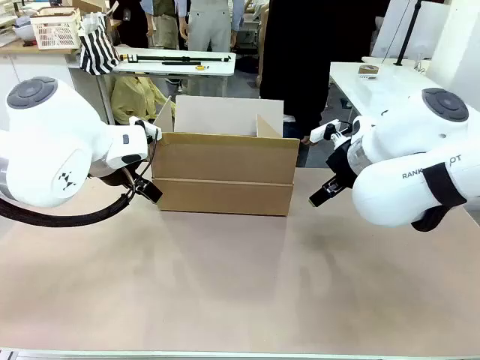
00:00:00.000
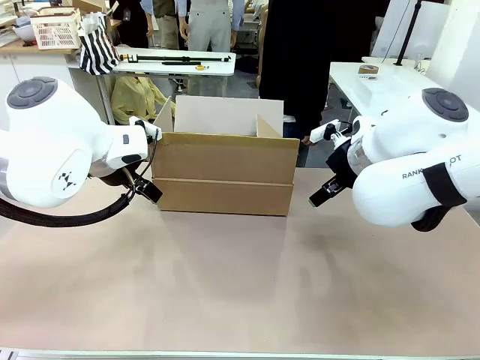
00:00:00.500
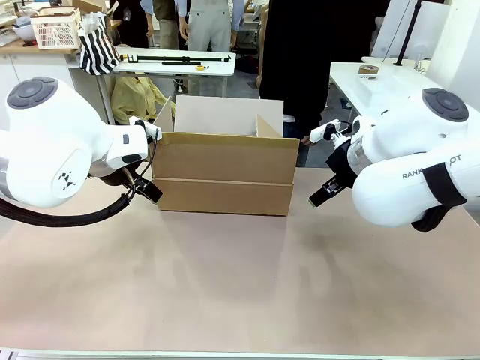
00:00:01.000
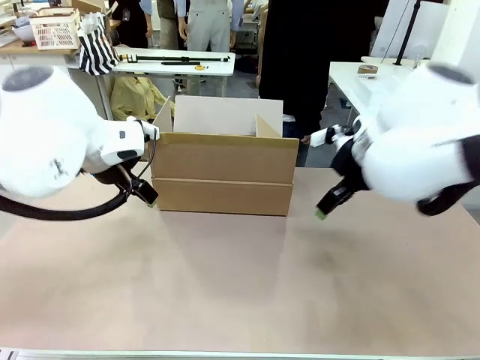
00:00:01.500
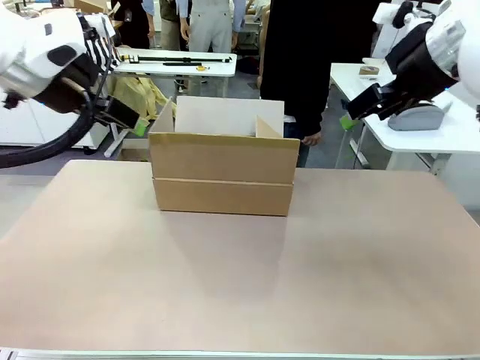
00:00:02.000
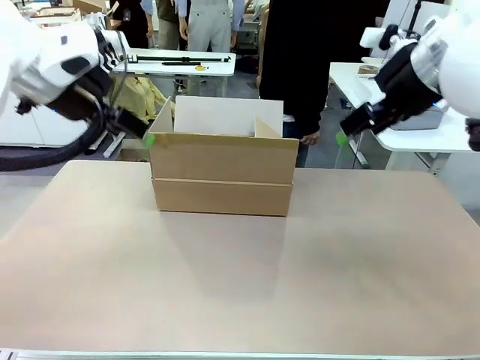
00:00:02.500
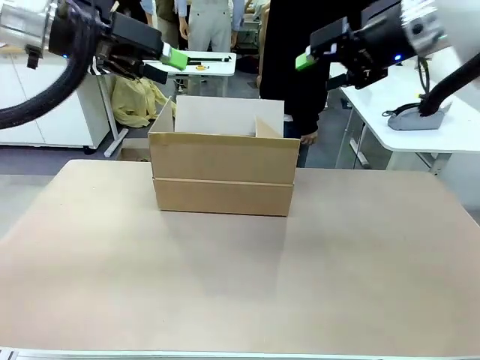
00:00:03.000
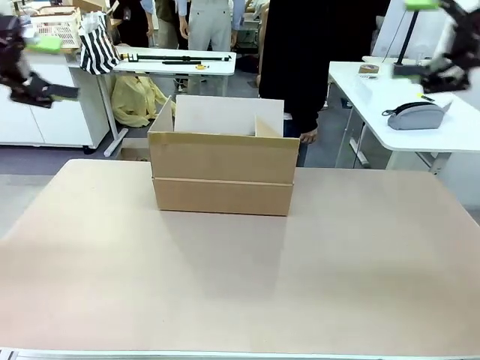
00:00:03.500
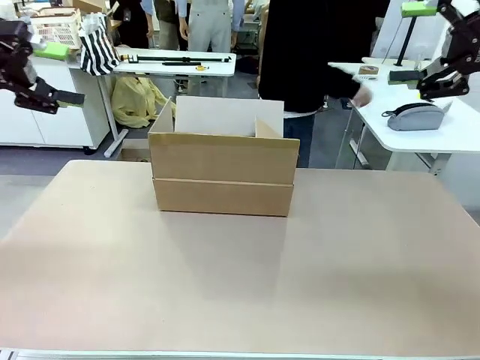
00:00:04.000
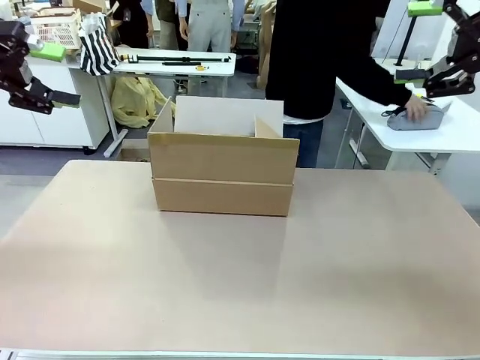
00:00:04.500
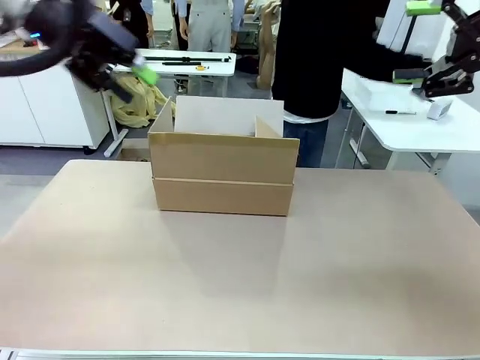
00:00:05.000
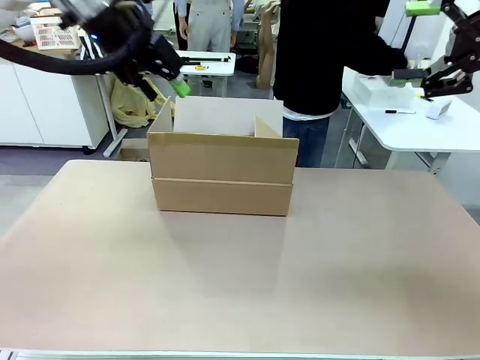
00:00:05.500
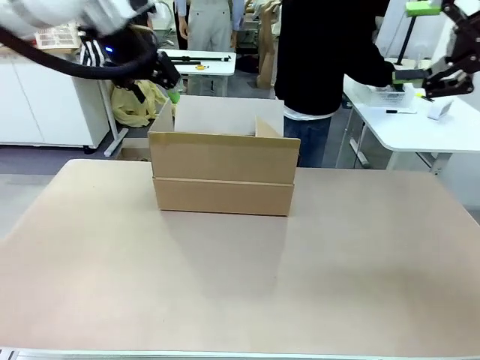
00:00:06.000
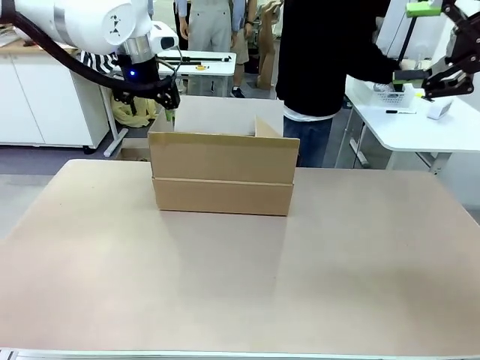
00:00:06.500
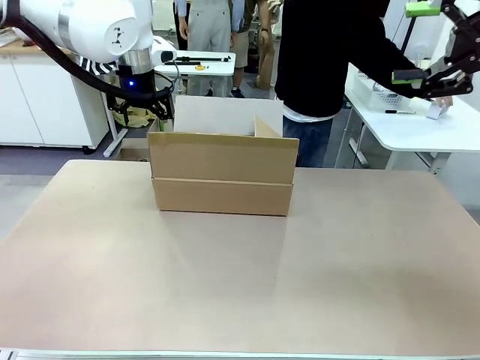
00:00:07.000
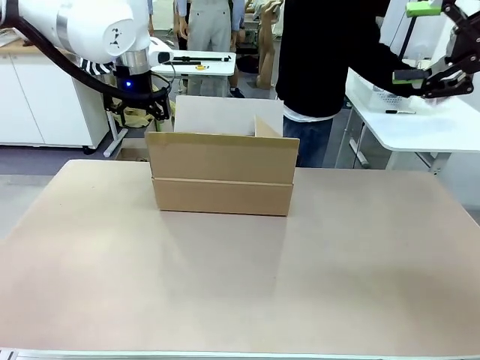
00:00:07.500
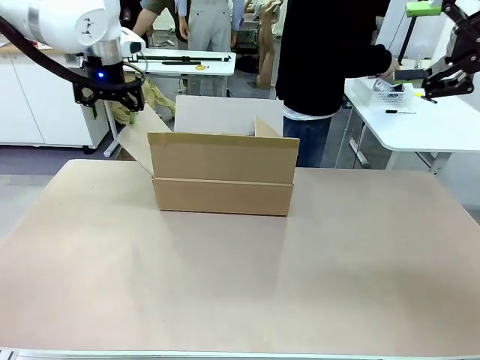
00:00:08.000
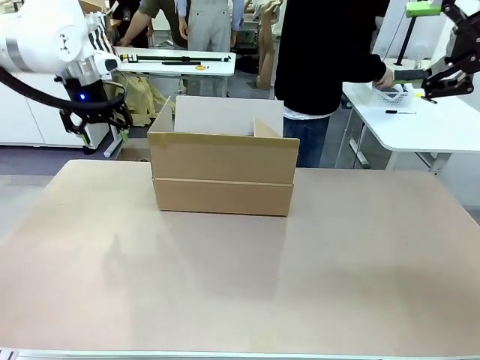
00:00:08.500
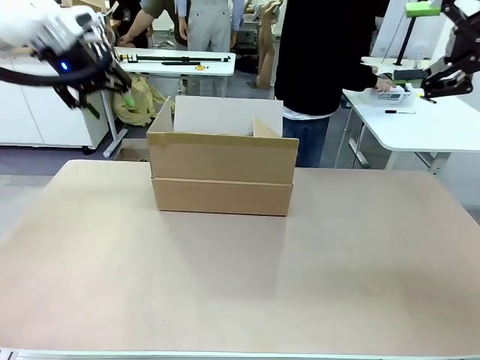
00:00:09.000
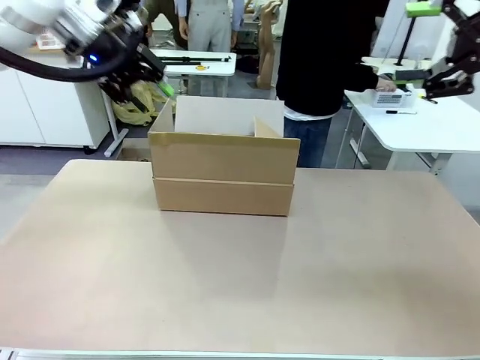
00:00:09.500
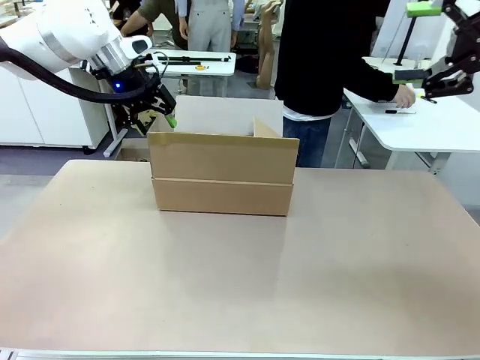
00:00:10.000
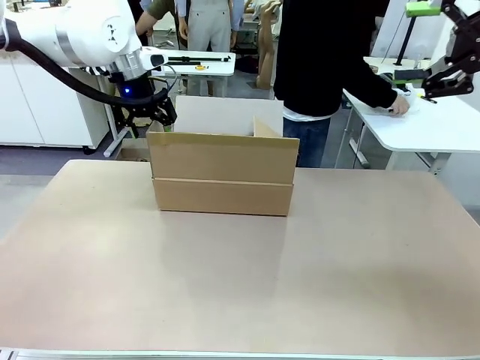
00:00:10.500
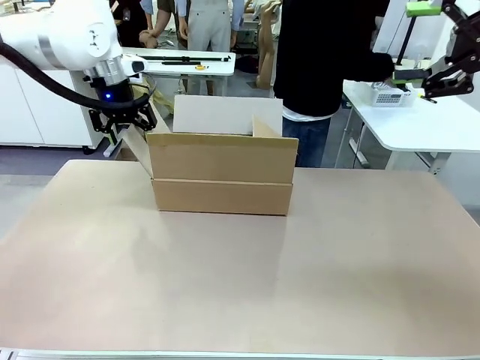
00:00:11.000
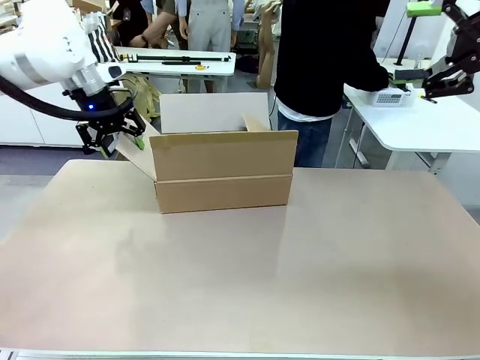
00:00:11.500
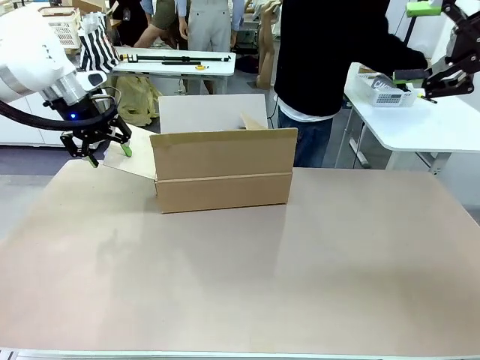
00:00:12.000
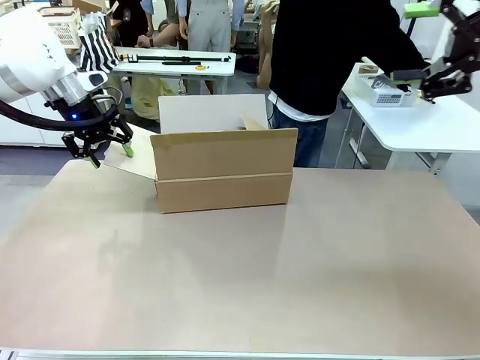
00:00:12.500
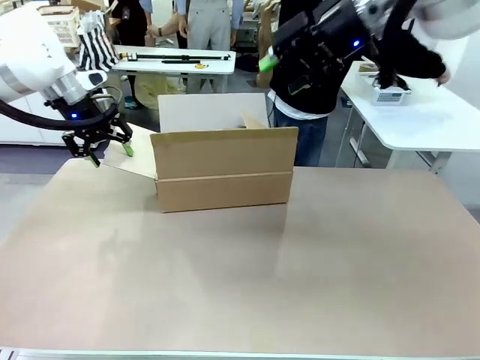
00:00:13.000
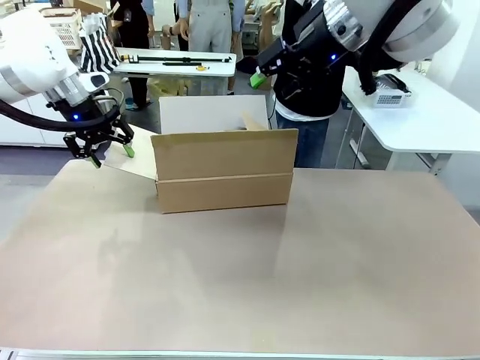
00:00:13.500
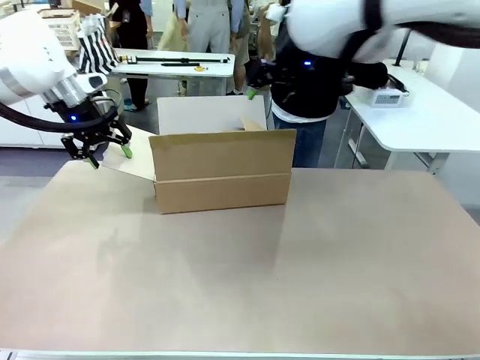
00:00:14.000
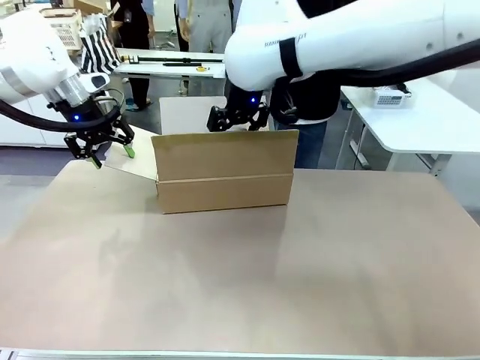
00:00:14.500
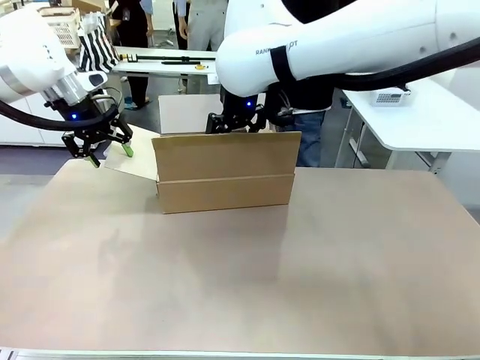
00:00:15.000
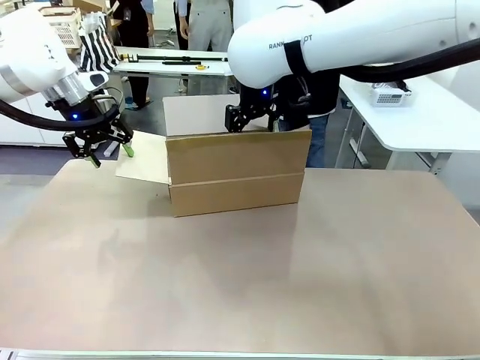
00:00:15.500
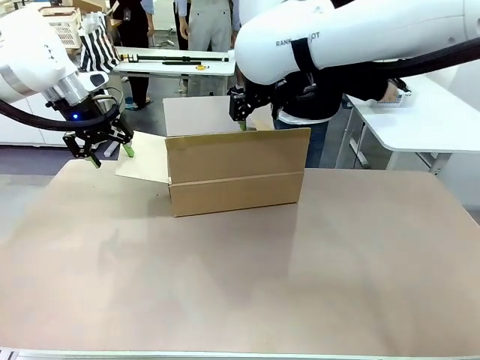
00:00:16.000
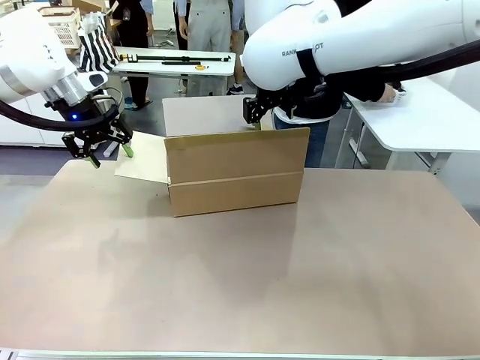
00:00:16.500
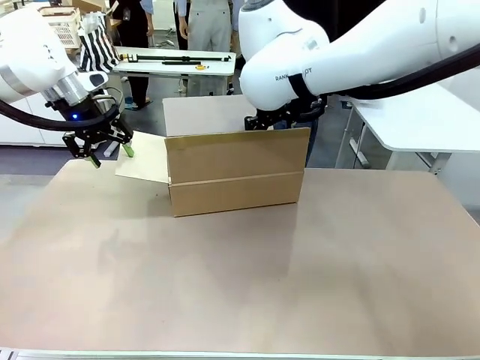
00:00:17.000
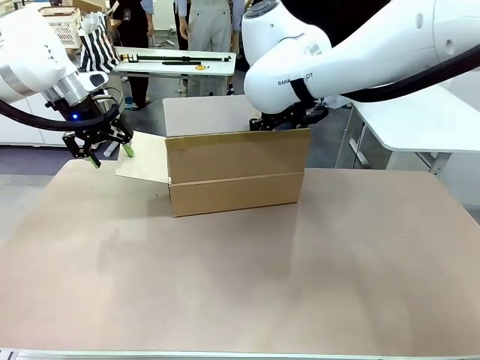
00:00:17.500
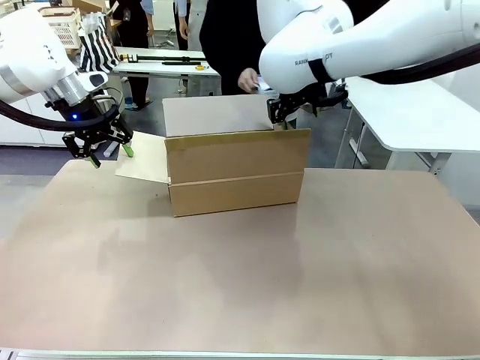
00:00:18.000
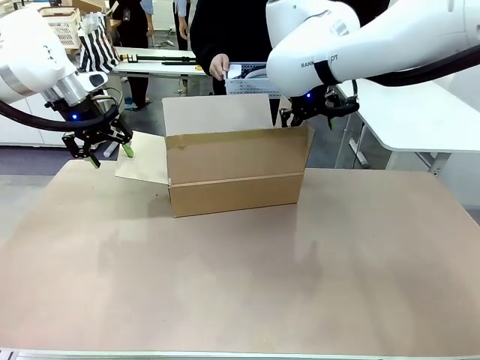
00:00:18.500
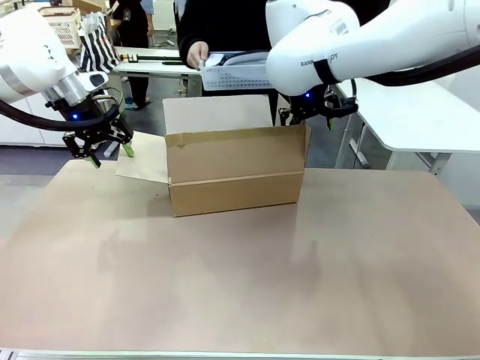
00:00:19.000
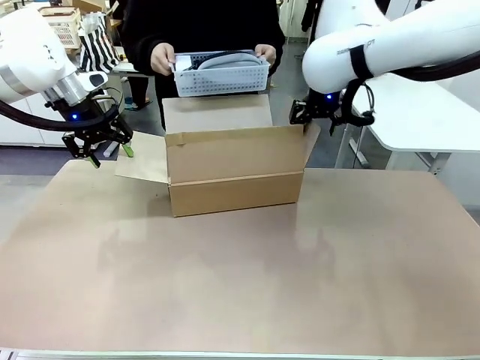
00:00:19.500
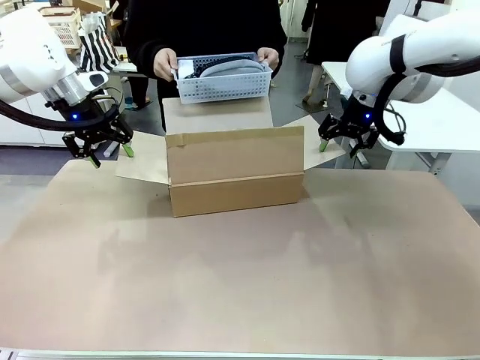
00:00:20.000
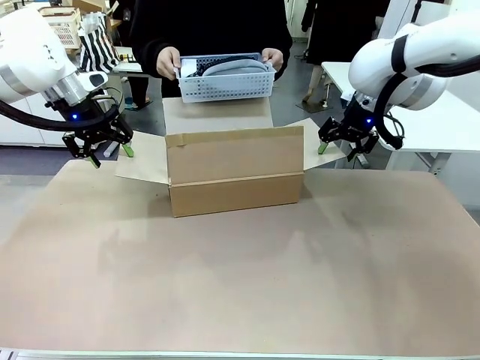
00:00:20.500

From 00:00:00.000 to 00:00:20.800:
Task: Pack the gift set into the box.
Robot: Place both hands on the side flaps of the Package Box and spread them outward.
Person: The human places all items except the paper tape into the organizing basket. The human picks up the organizing basket and places the organizing basket into the package box on the robot table.

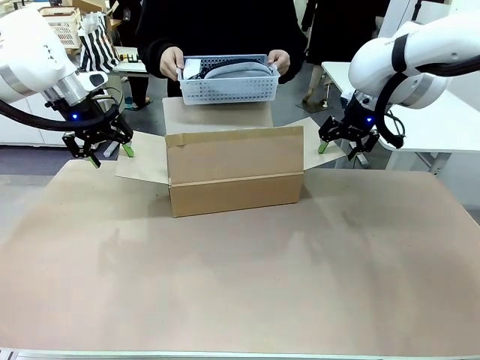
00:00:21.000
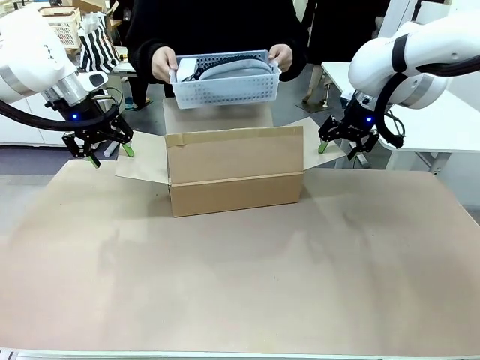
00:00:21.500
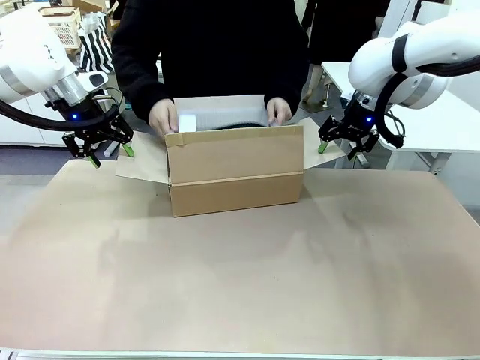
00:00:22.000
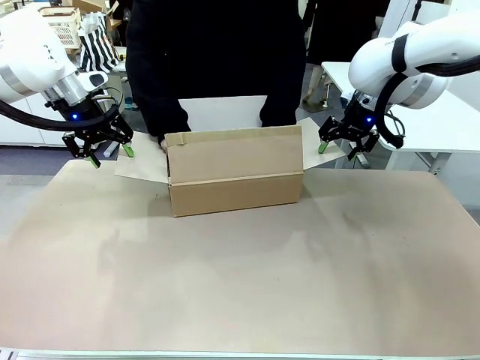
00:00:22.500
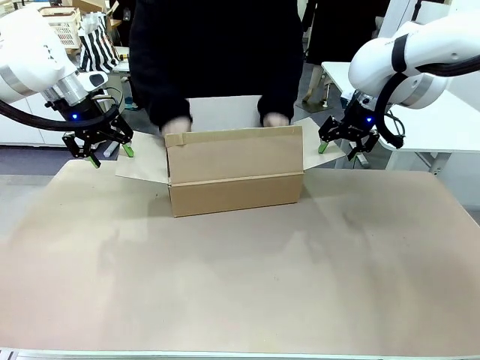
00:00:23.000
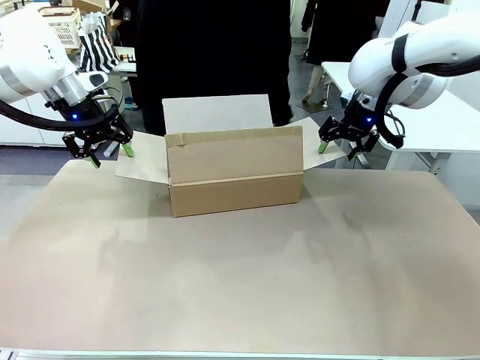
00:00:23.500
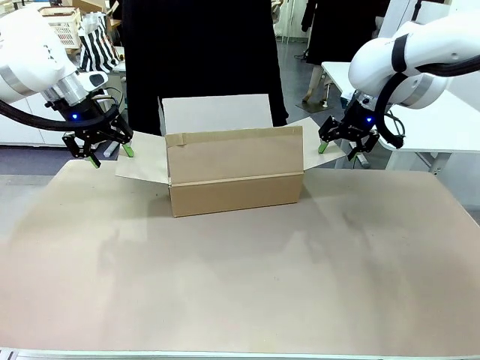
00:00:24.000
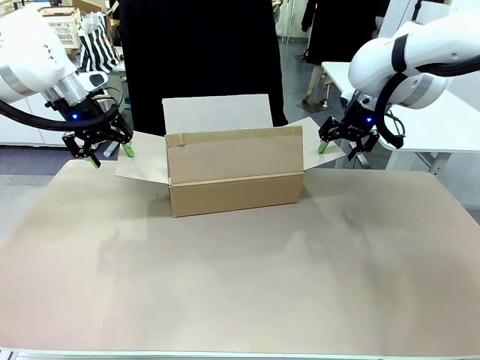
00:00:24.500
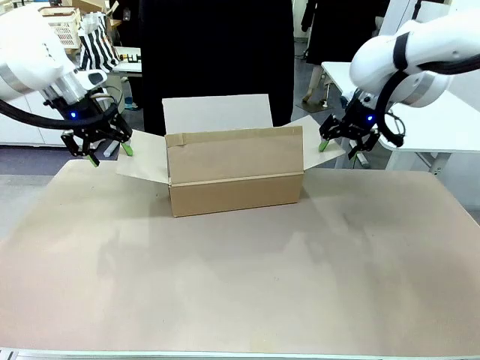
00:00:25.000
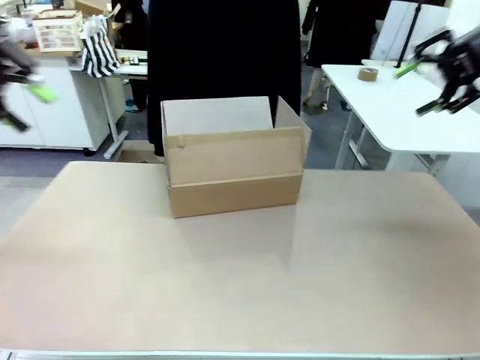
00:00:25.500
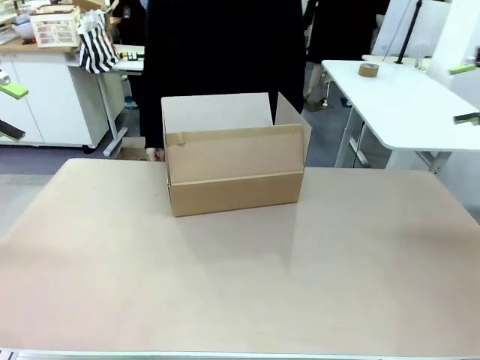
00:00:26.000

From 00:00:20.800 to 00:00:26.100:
Robot: Lift both hands away from the flaps of the Package Box.
